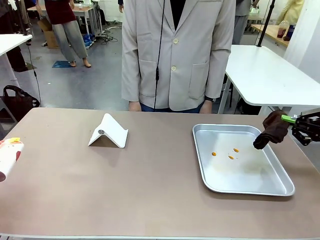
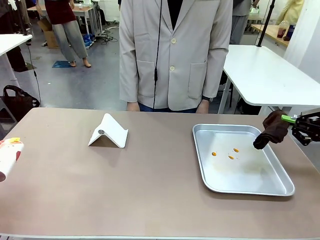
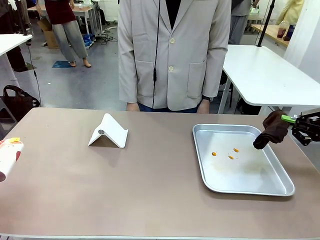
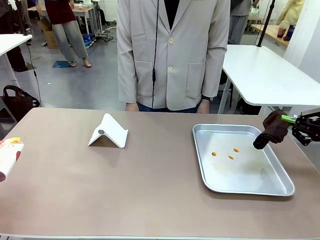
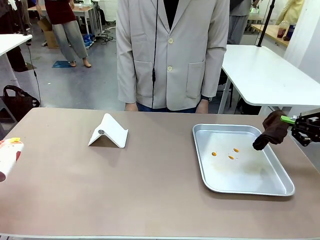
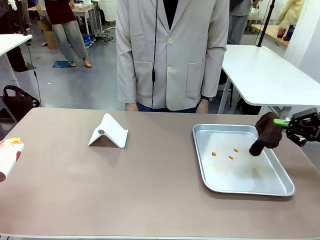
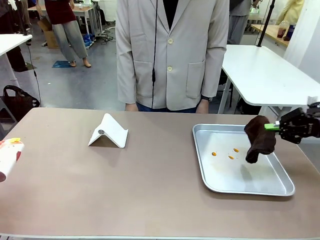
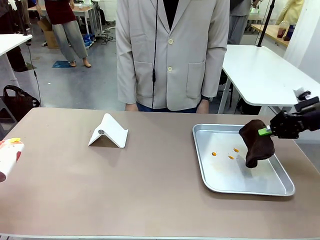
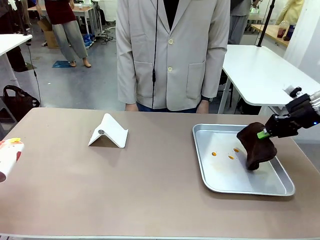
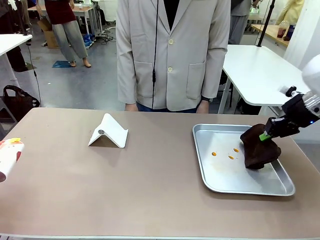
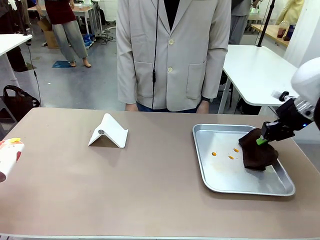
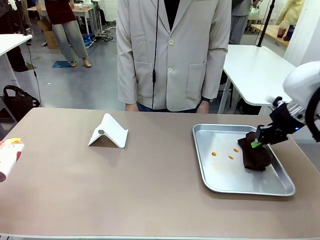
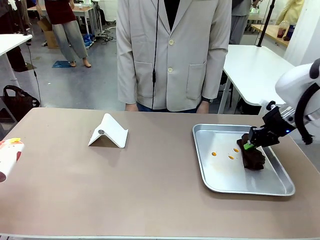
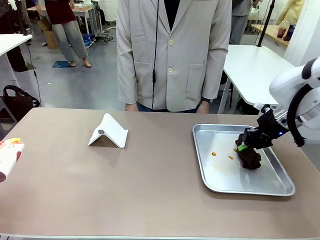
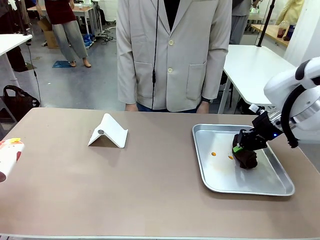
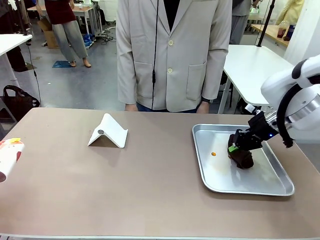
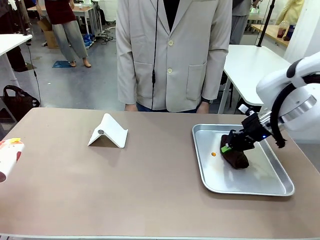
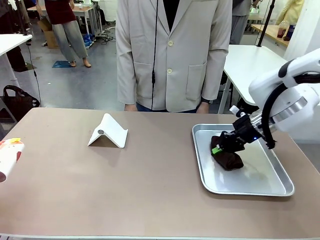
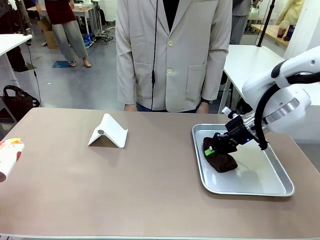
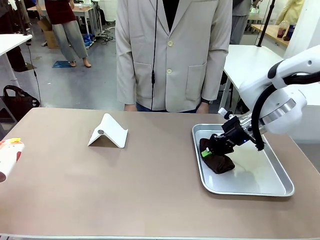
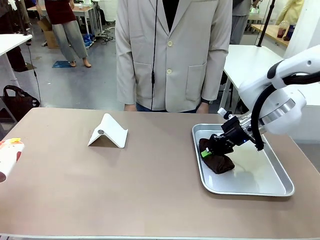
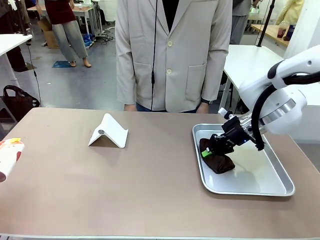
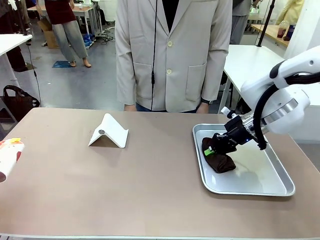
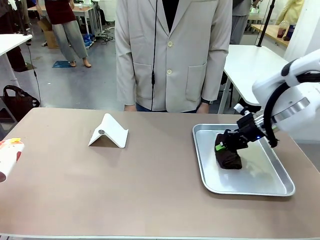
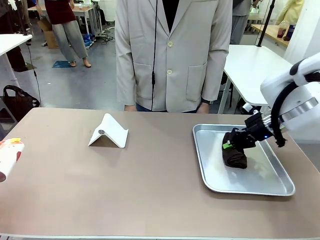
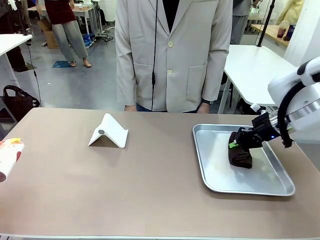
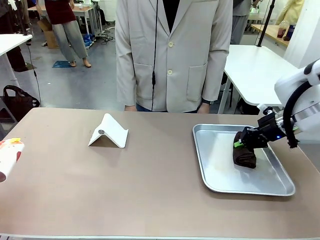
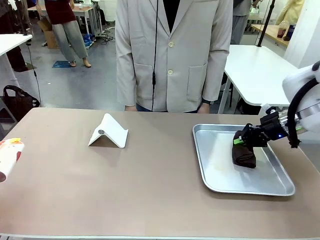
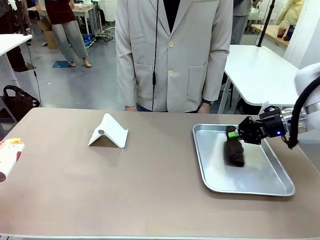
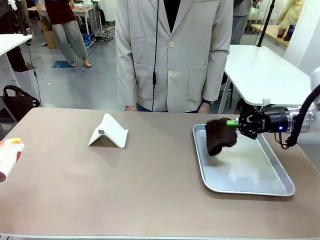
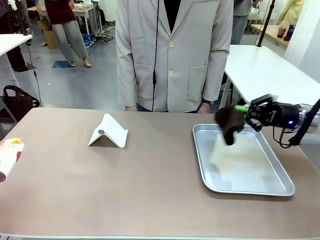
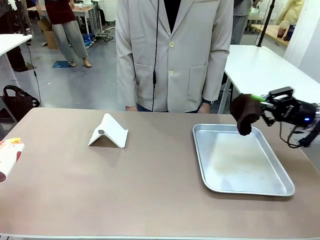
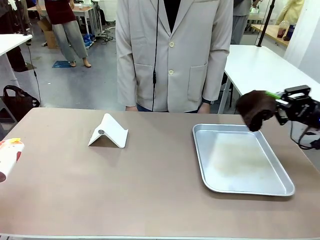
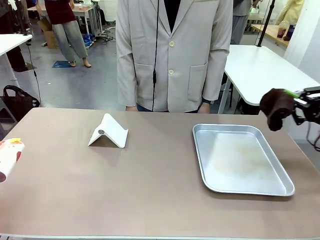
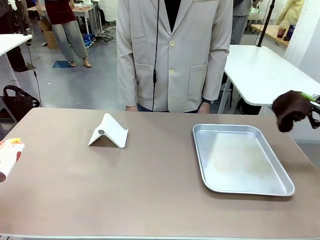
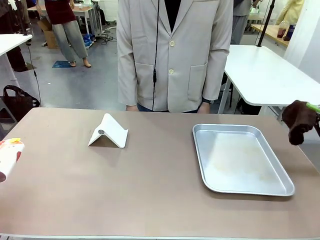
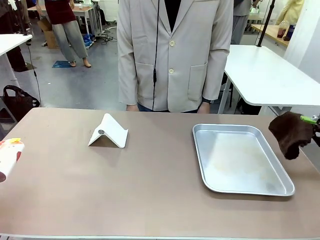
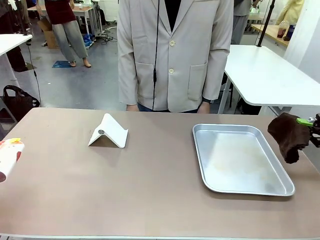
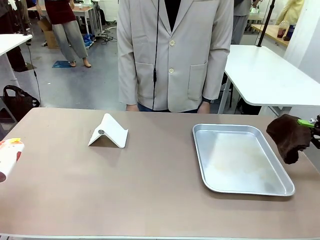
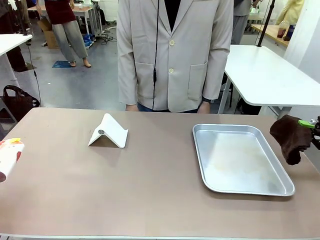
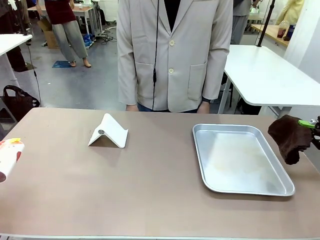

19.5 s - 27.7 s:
Task: Clean the surface of the table.
Robot: Clean the area not pointed to by the person.

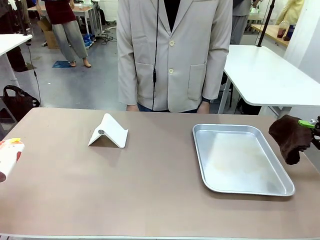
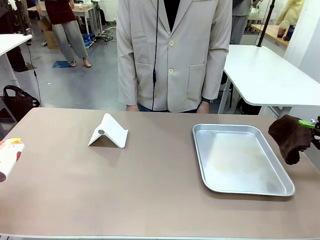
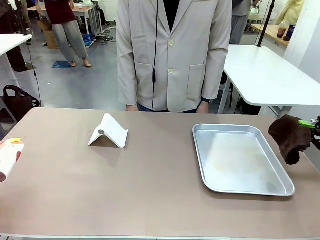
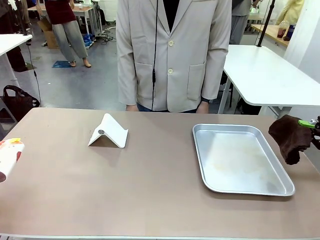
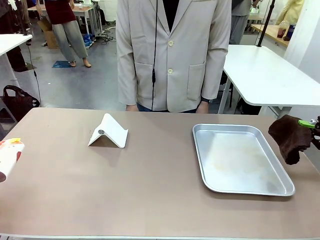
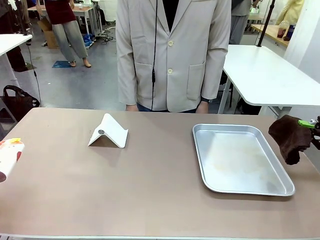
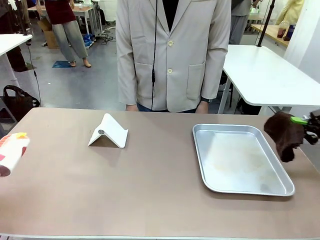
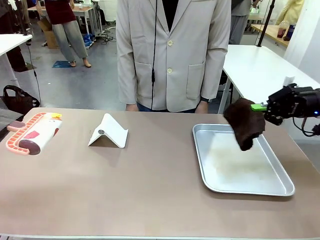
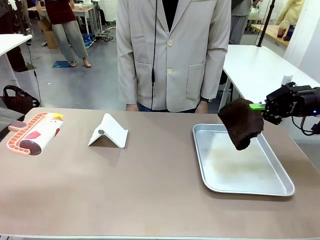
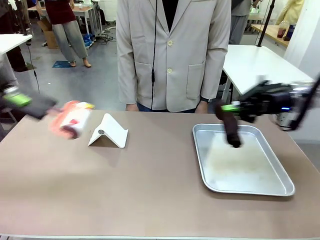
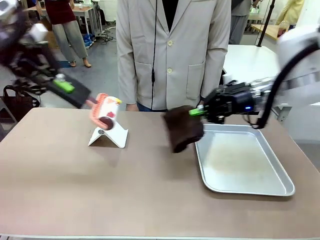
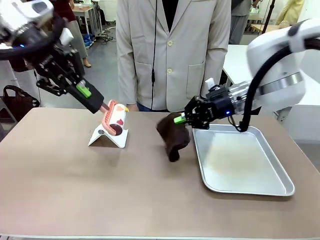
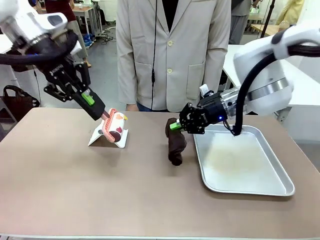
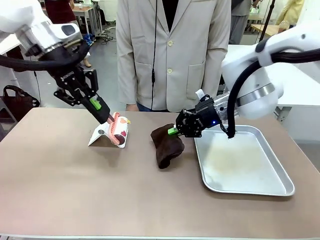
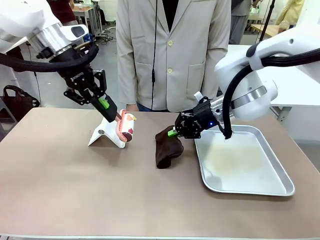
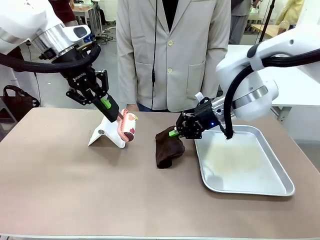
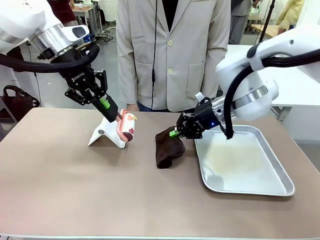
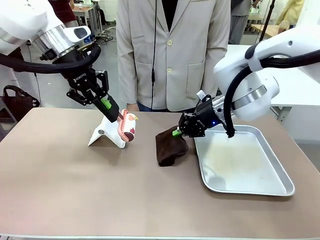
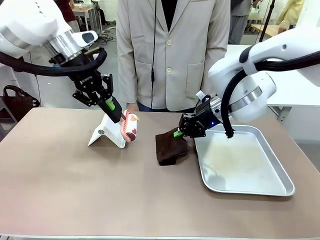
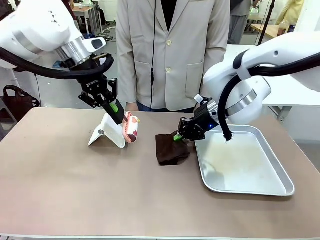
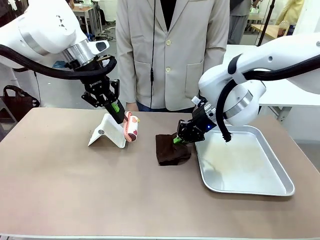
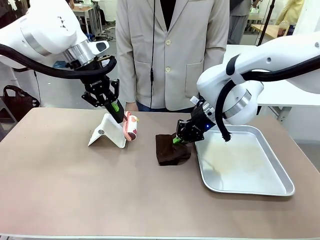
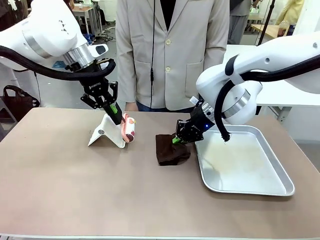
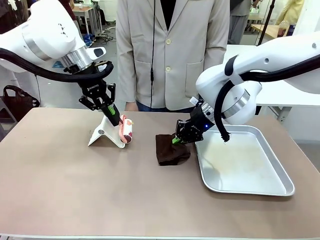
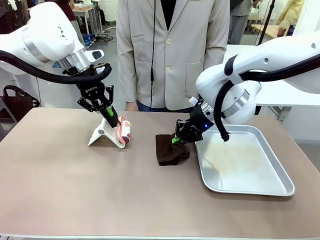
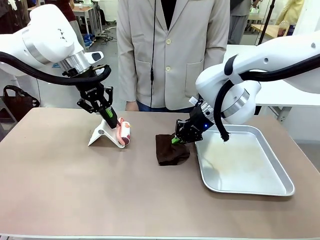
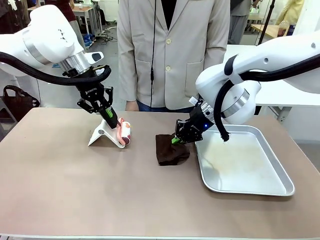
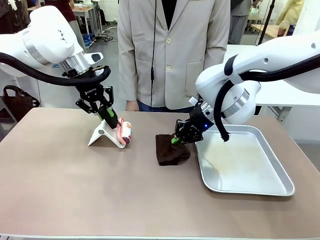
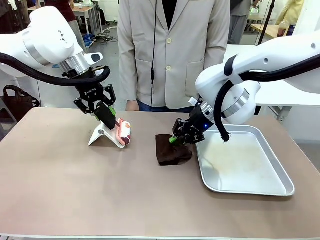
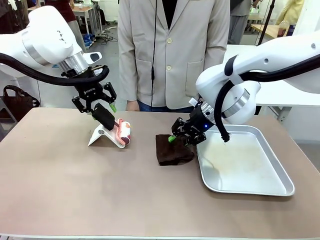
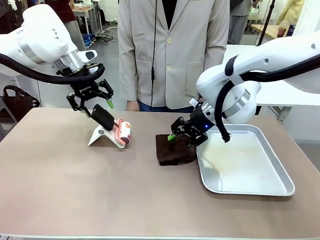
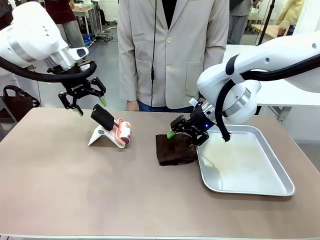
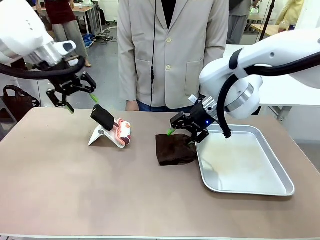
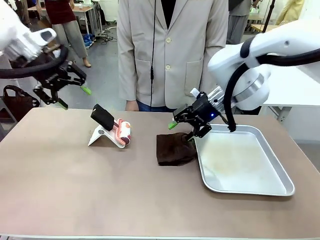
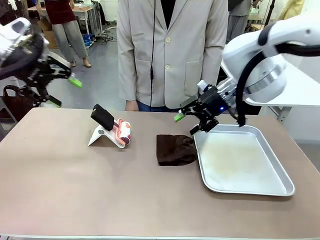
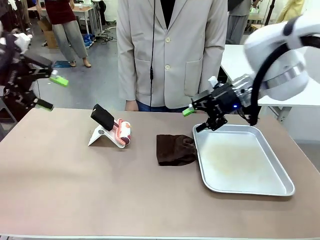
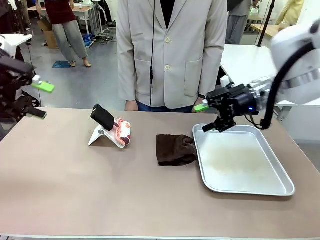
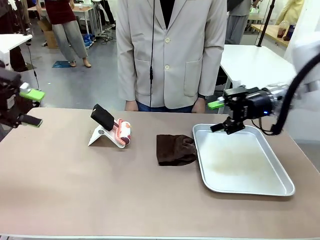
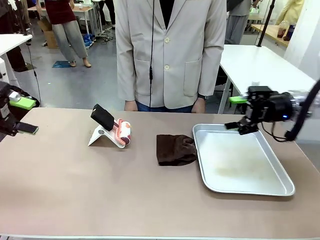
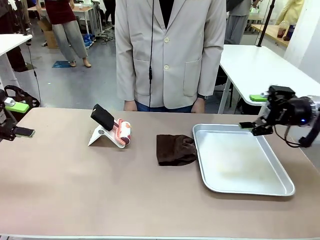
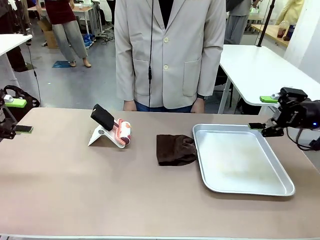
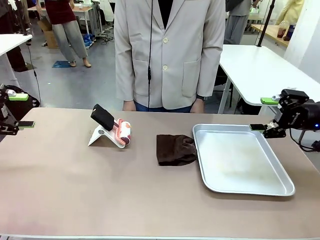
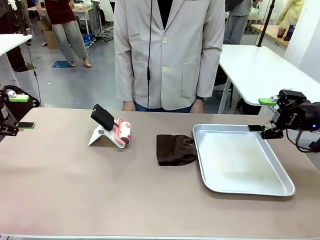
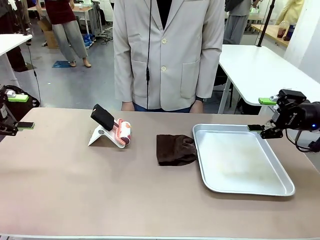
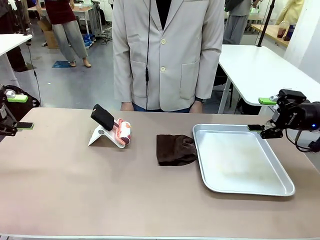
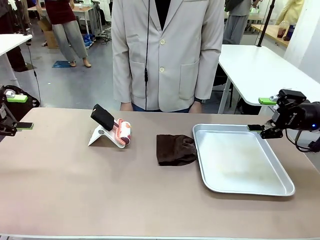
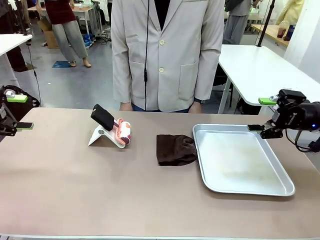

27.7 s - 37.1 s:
Robot: Return the Lint Roller and towel to their original positions.
